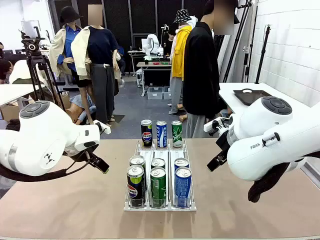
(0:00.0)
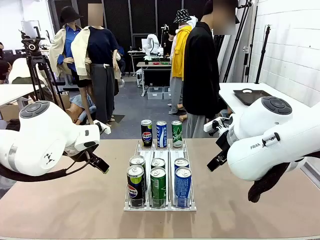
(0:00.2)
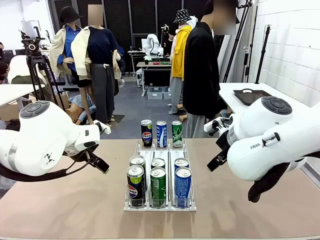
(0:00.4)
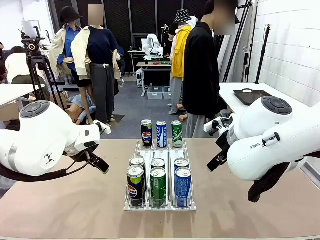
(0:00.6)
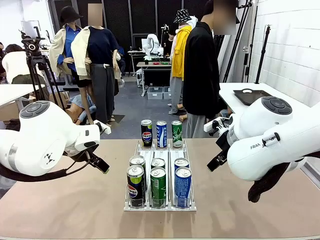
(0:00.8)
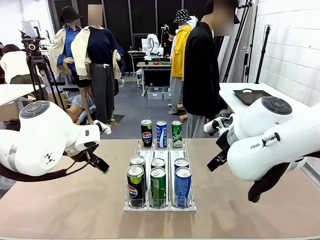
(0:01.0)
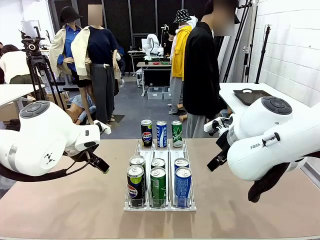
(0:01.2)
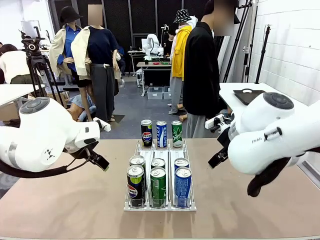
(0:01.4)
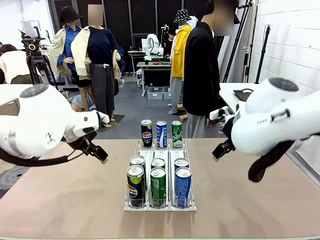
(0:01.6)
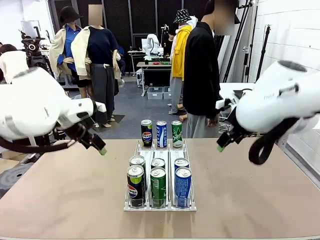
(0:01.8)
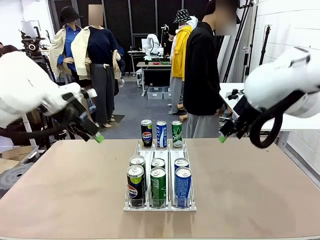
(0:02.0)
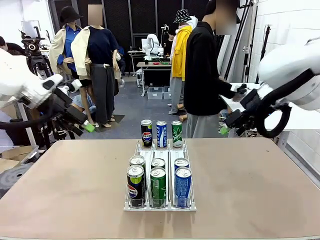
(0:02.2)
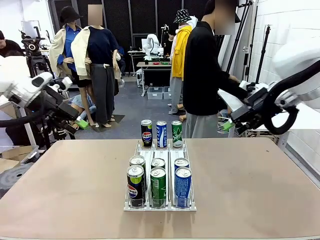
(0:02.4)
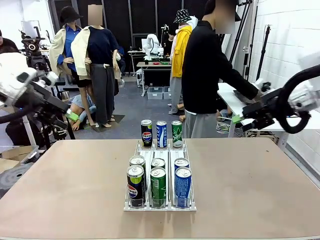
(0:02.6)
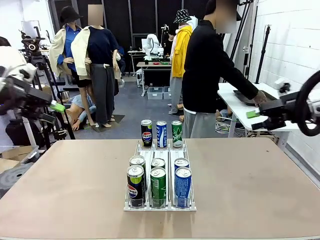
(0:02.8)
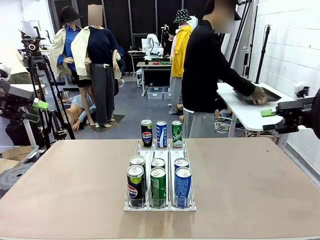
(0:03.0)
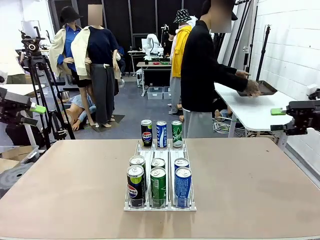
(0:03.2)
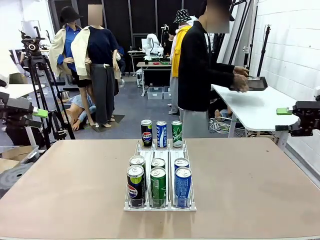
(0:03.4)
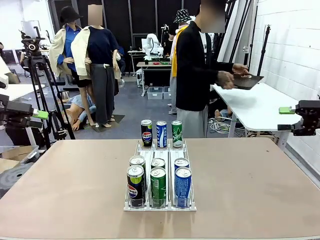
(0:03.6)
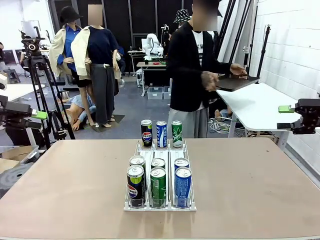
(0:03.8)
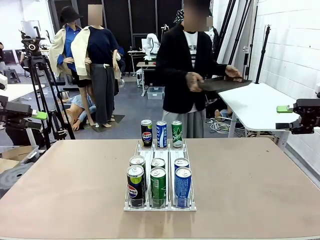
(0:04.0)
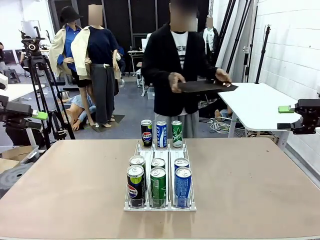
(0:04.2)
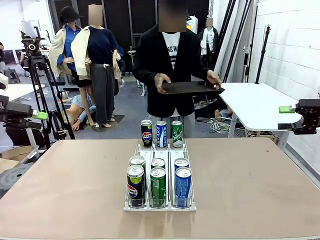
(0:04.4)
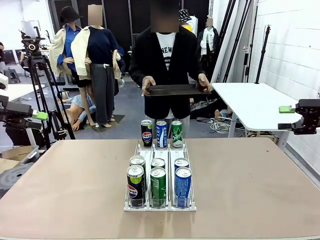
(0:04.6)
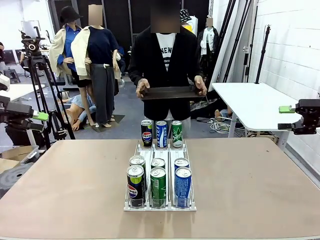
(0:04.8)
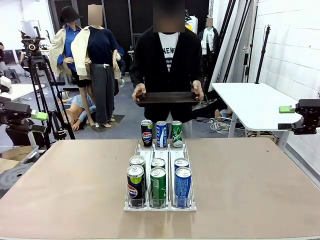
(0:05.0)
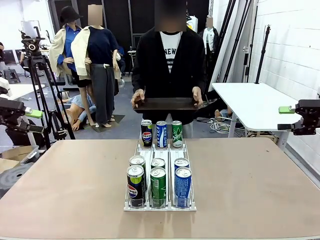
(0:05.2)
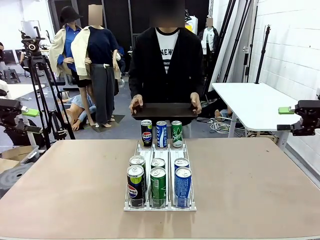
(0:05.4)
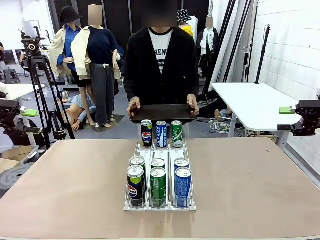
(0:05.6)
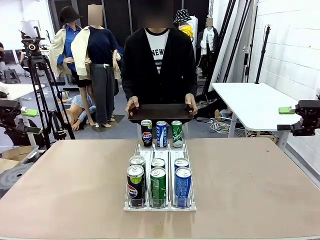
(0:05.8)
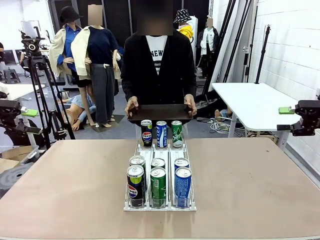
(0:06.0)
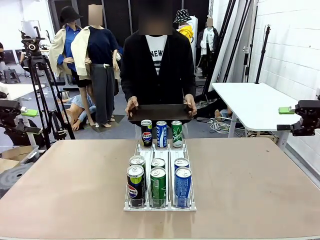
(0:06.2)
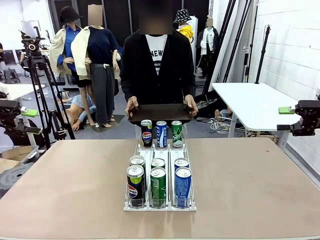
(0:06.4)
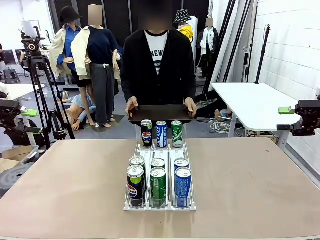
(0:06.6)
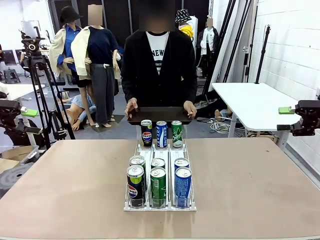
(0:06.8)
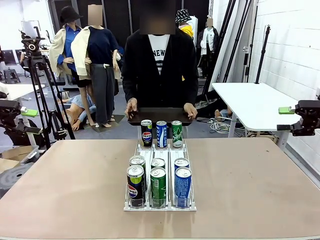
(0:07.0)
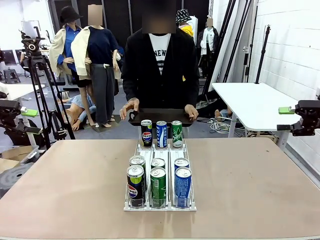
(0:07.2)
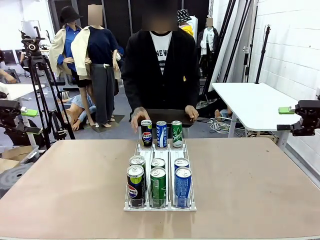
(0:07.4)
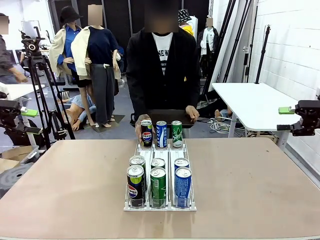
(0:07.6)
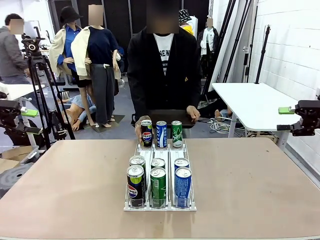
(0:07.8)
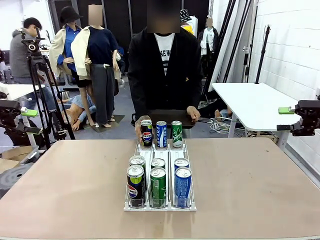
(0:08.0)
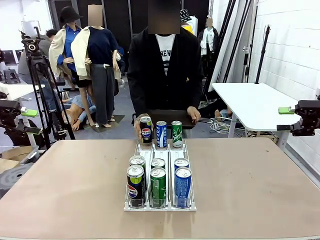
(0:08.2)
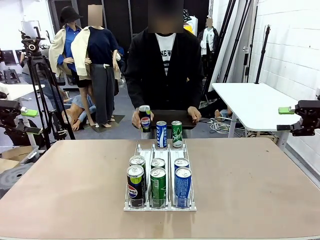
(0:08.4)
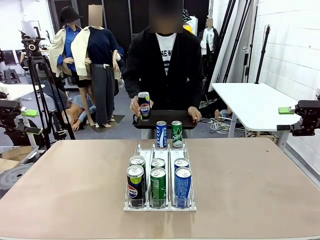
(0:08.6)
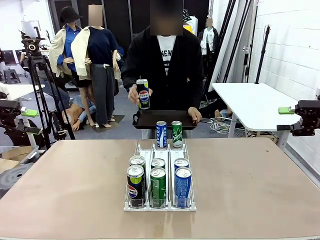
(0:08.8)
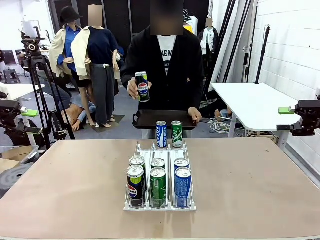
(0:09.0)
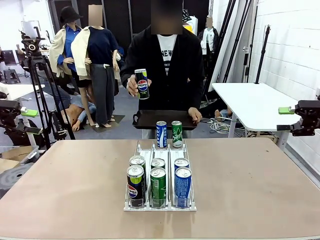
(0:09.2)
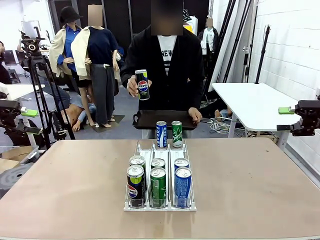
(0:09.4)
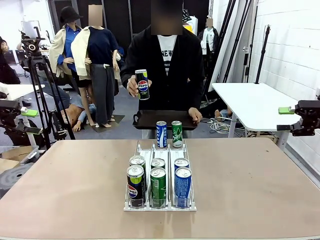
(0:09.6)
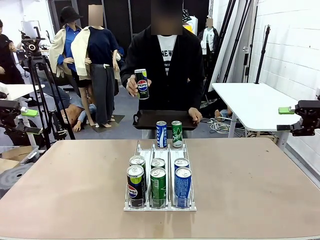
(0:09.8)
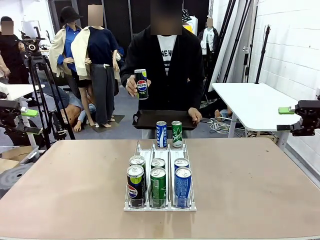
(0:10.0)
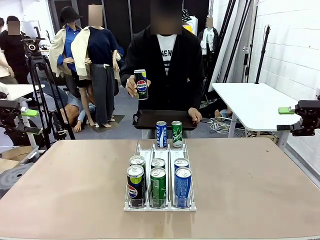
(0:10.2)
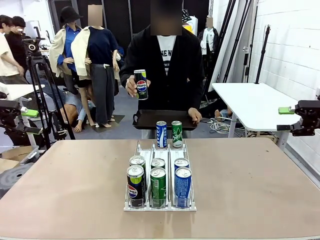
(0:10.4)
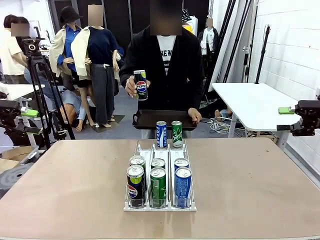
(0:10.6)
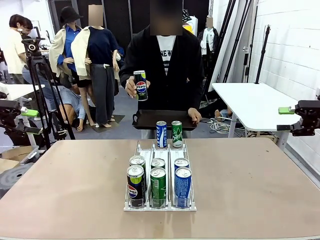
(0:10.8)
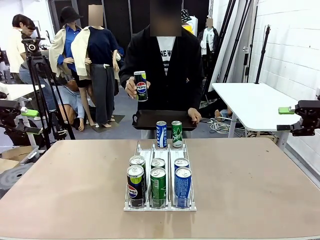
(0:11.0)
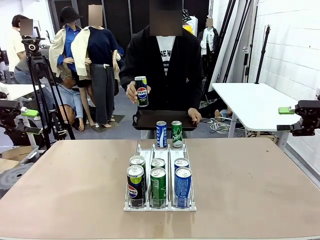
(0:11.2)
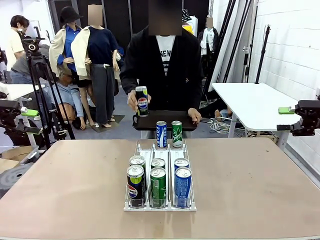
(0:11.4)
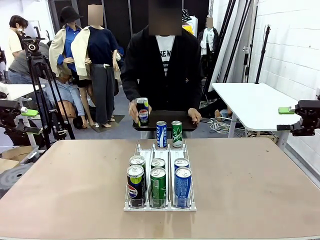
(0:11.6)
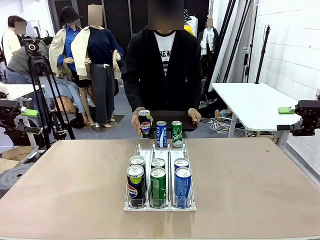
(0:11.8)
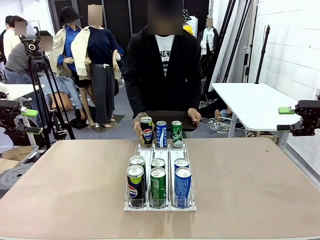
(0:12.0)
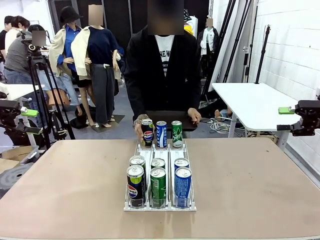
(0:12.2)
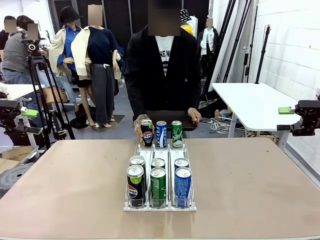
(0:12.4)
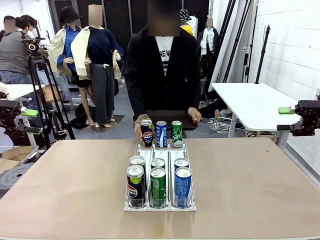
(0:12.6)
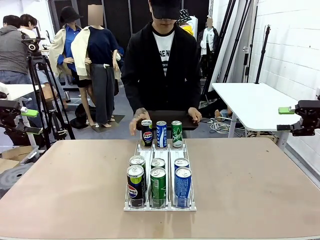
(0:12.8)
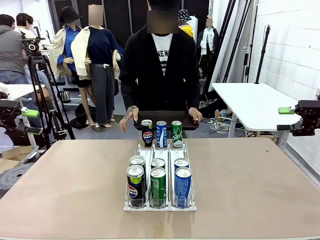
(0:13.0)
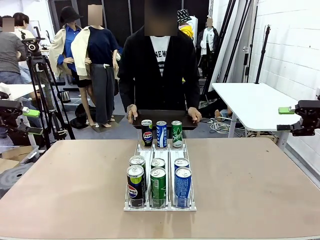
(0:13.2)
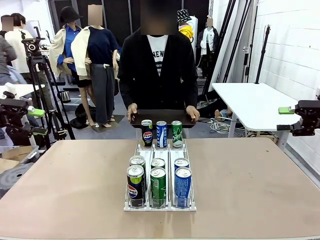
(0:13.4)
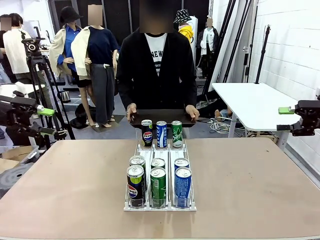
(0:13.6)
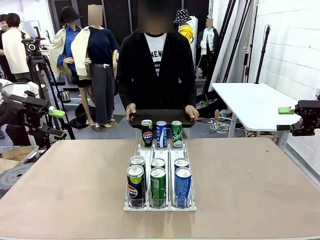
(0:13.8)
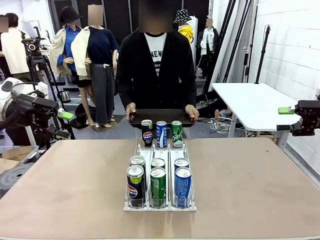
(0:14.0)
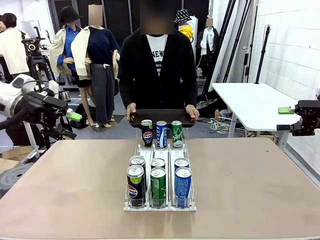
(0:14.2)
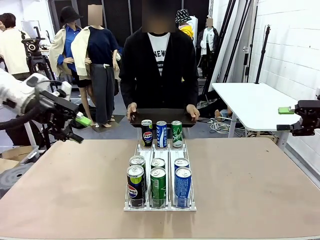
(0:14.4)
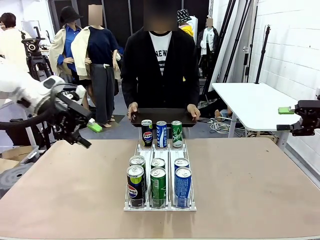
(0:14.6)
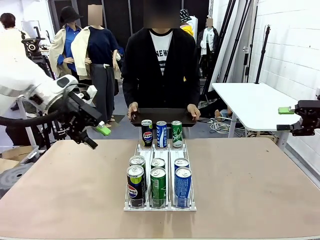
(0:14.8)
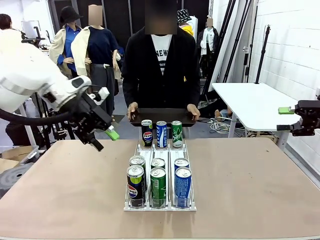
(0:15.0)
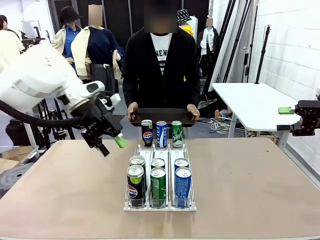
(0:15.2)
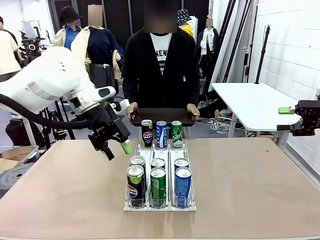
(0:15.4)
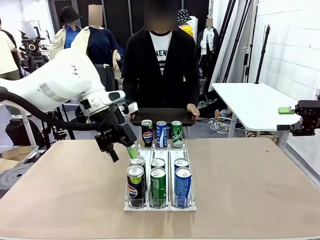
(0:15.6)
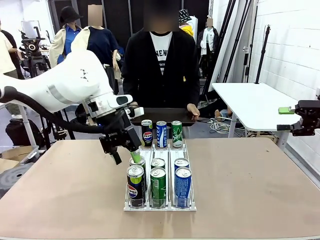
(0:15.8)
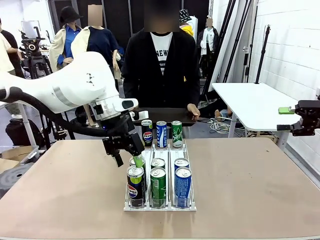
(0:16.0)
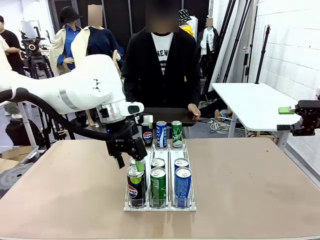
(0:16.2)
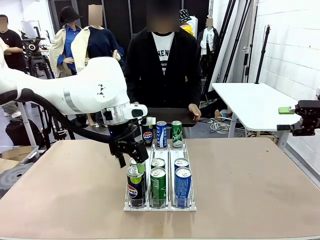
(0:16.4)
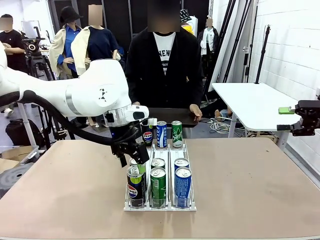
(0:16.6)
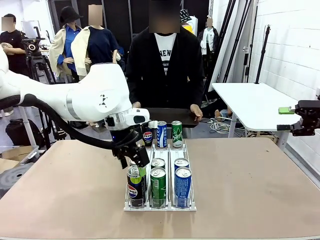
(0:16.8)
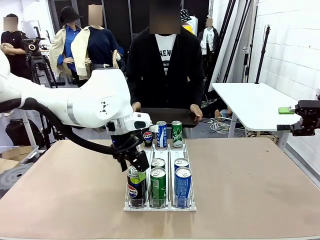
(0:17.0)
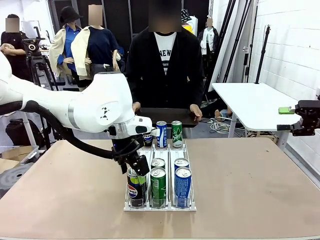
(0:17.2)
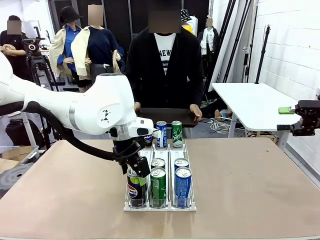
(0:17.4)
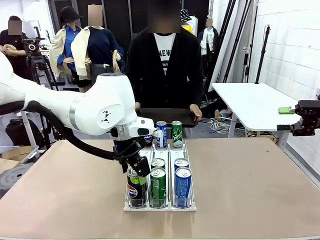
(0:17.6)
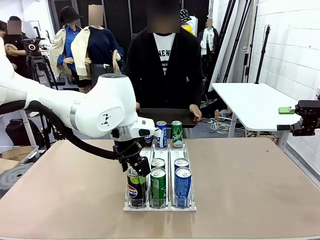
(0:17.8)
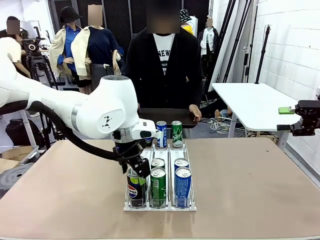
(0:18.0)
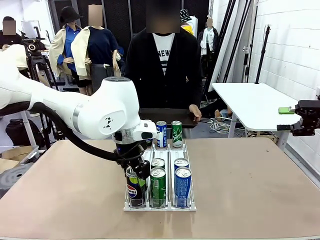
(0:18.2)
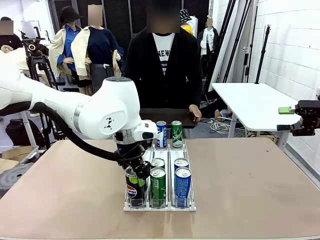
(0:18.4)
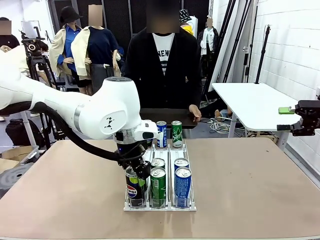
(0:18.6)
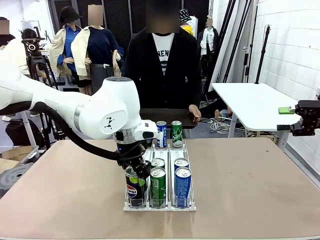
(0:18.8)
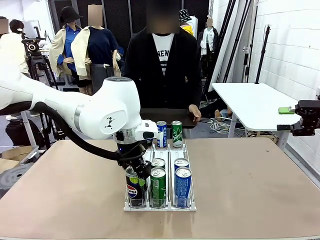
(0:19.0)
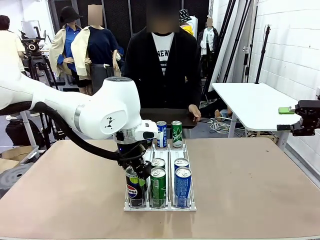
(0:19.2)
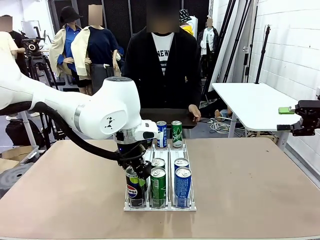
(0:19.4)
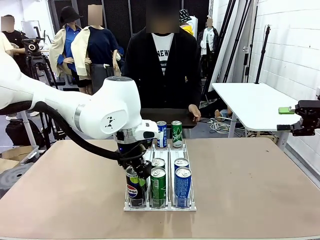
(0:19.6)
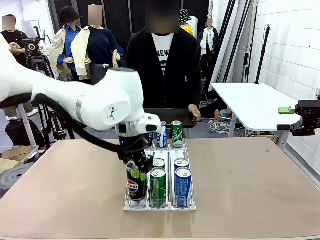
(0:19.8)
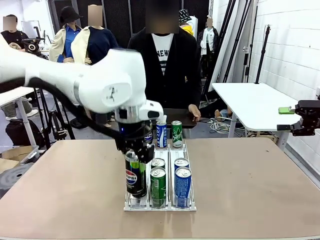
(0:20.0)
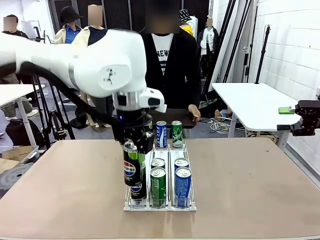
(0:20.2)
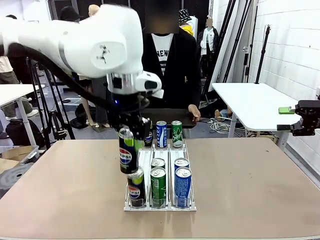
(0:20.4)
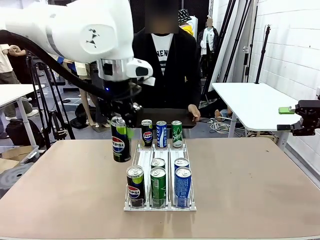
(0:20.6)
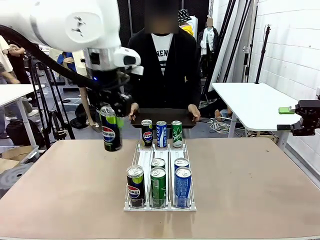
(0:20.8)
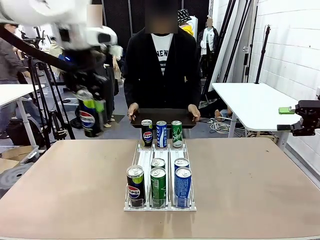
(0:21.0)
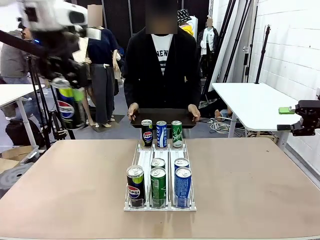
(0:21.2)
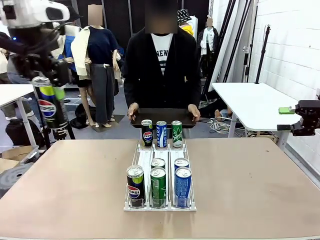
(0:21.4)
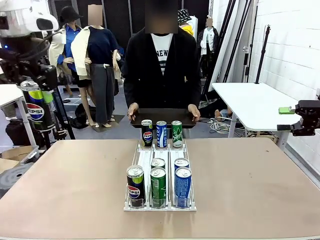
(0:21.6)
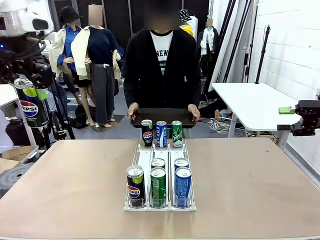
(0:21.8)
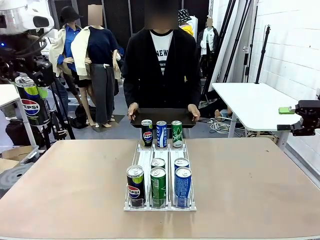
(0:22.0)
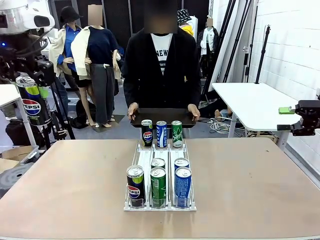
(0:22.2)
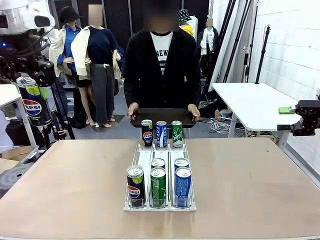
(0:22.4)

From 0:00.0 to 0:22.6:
Task: Retrieve and hand over the desired beverage to the person.
Robot: Pick up a can of the same type that the person held from the Automatic Can Dispenser.
Person: Hold the tray and position yourself in front of the robot table. Pick up one can from the bottom area of the table and puts it back in its original place. Push the tray toward the robot.
